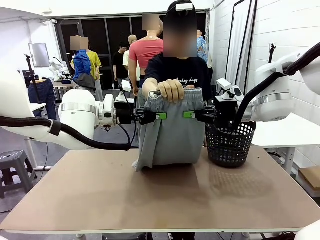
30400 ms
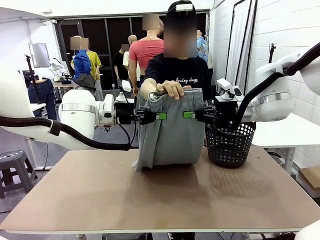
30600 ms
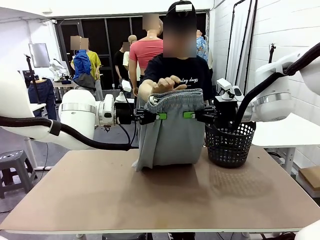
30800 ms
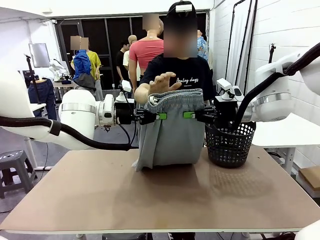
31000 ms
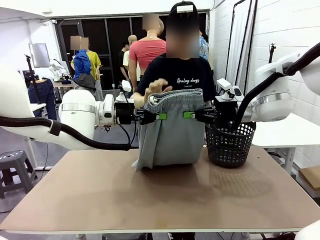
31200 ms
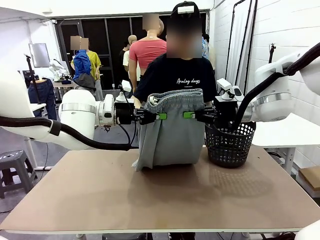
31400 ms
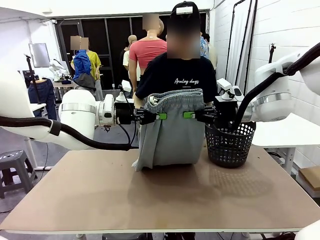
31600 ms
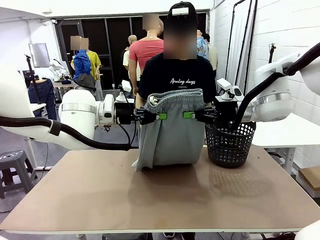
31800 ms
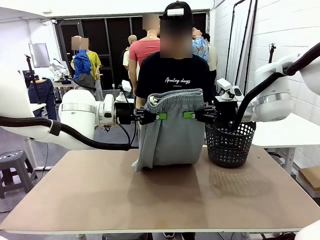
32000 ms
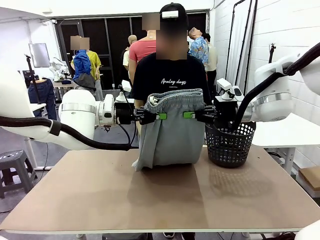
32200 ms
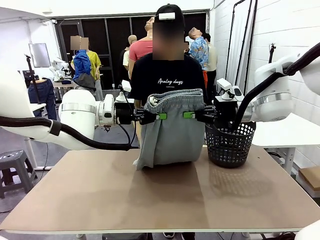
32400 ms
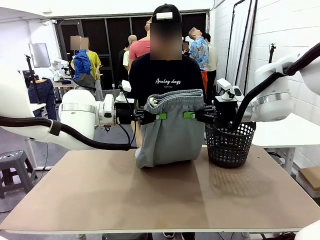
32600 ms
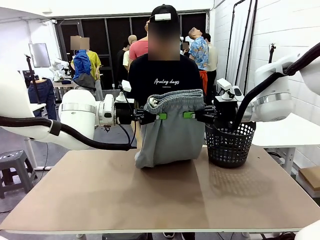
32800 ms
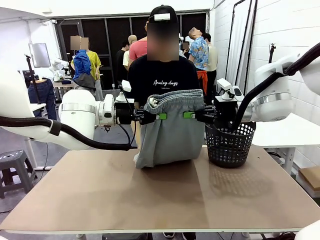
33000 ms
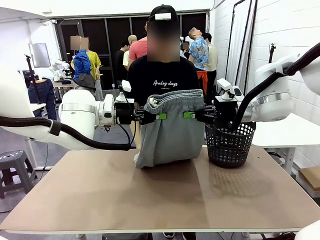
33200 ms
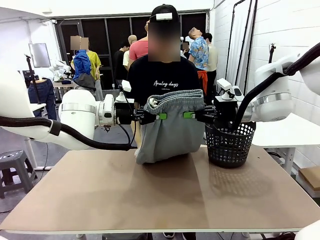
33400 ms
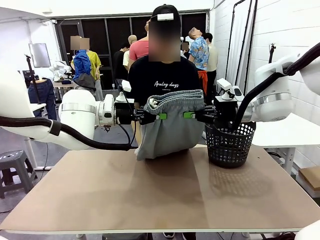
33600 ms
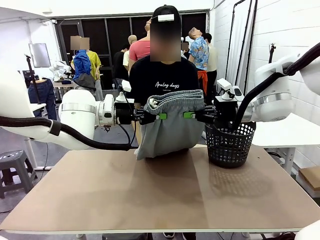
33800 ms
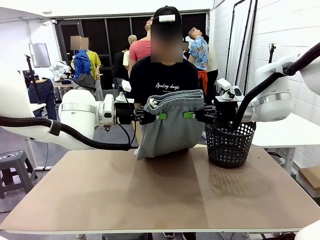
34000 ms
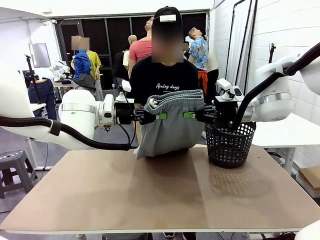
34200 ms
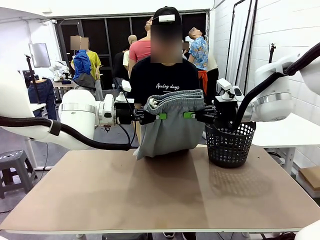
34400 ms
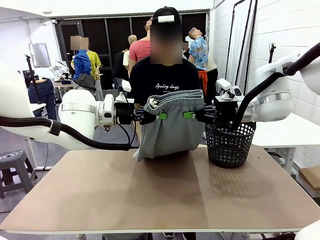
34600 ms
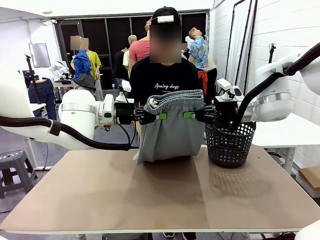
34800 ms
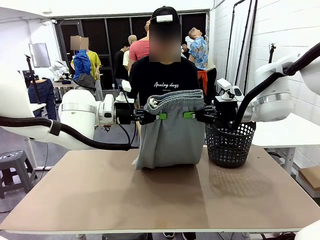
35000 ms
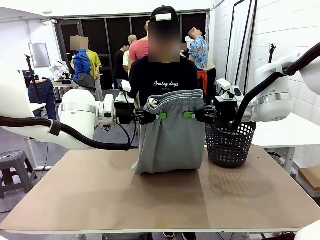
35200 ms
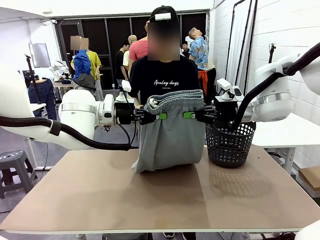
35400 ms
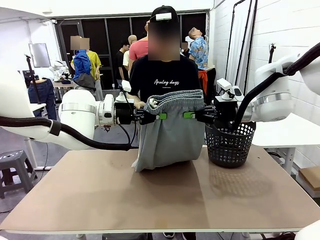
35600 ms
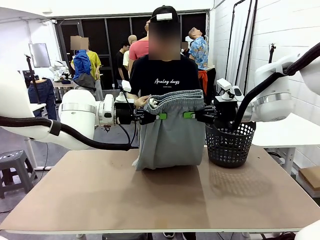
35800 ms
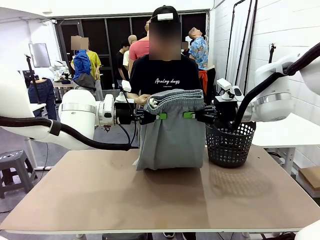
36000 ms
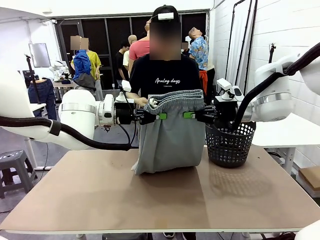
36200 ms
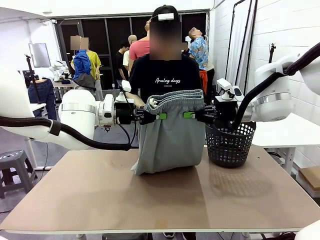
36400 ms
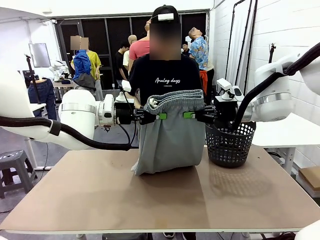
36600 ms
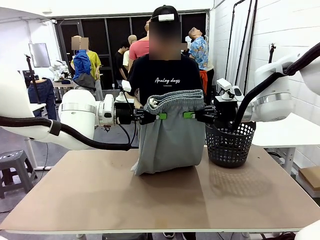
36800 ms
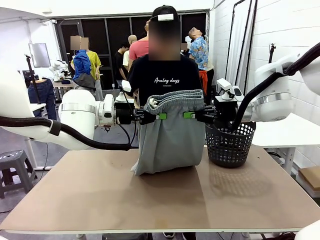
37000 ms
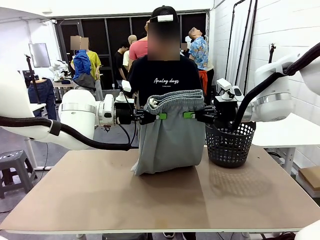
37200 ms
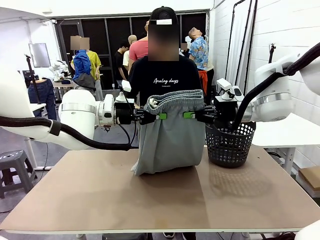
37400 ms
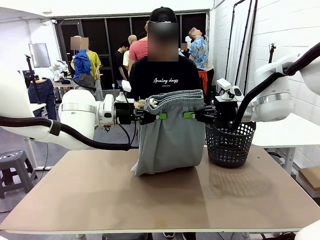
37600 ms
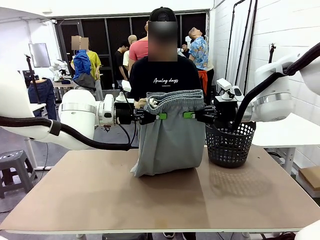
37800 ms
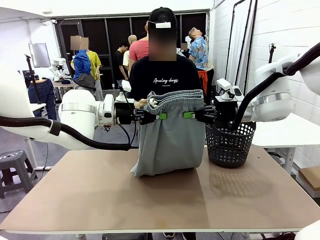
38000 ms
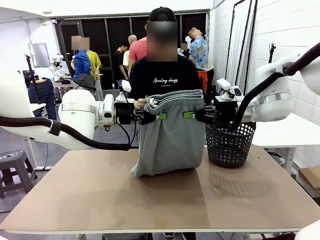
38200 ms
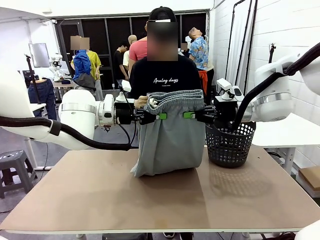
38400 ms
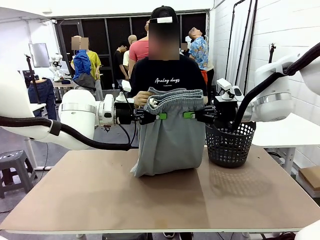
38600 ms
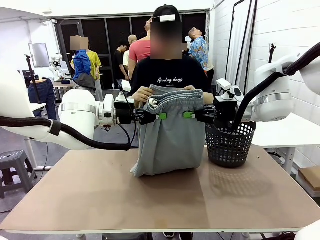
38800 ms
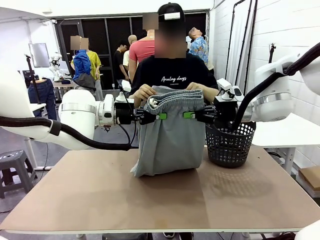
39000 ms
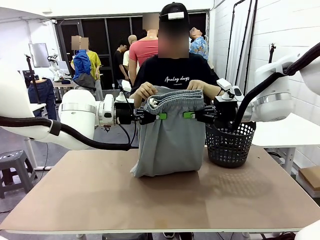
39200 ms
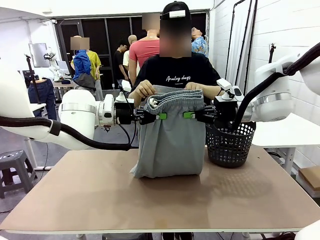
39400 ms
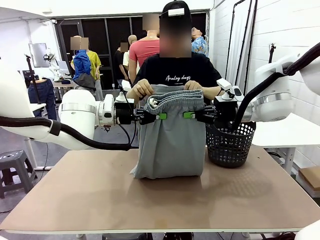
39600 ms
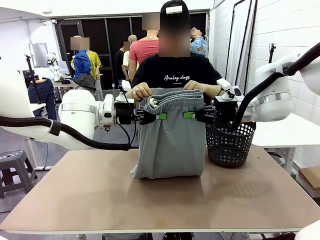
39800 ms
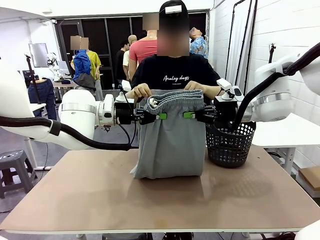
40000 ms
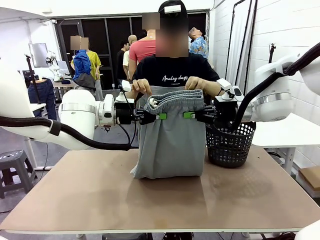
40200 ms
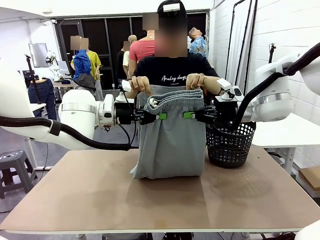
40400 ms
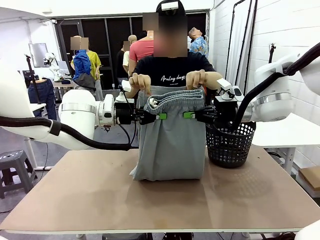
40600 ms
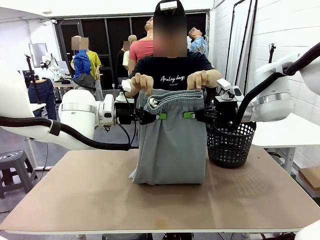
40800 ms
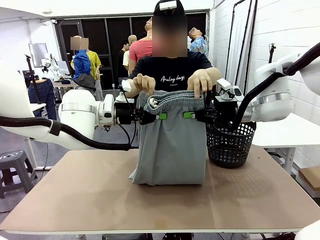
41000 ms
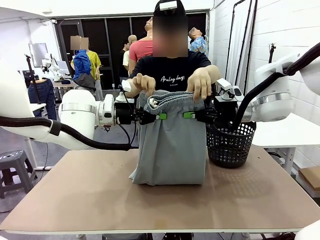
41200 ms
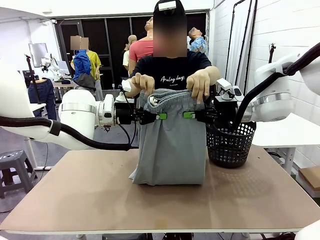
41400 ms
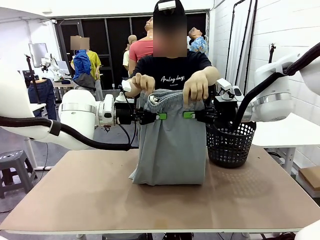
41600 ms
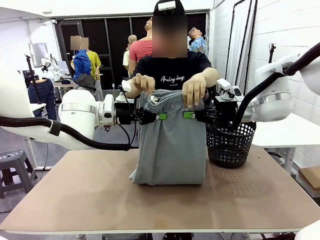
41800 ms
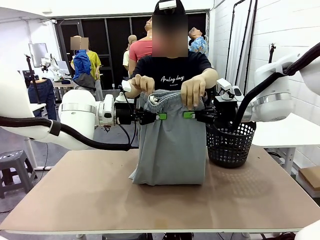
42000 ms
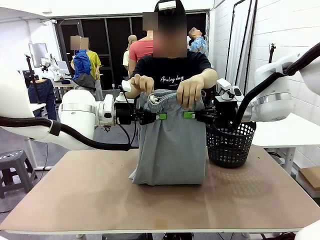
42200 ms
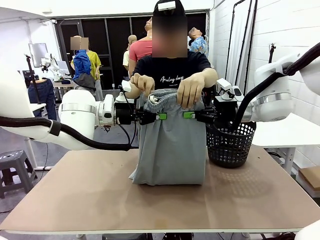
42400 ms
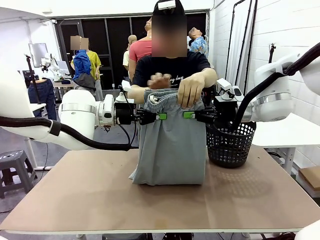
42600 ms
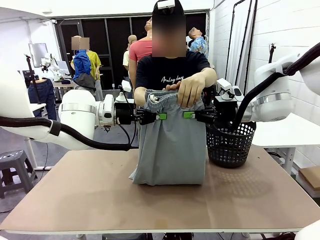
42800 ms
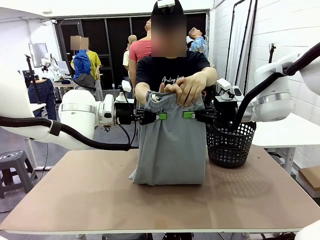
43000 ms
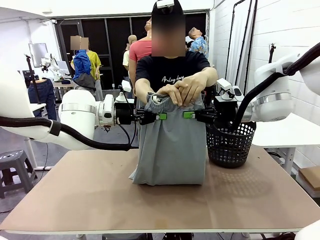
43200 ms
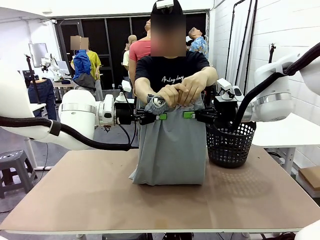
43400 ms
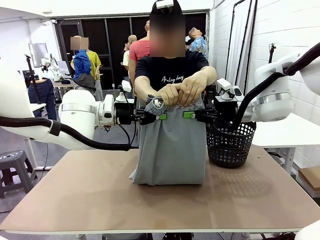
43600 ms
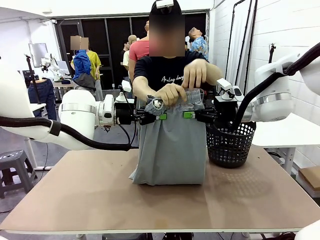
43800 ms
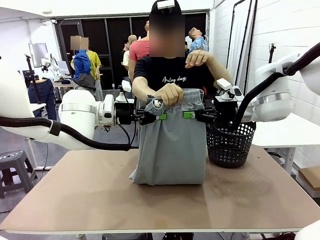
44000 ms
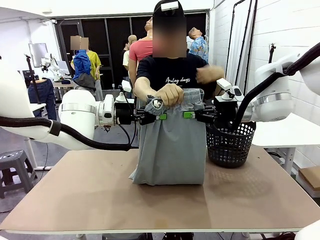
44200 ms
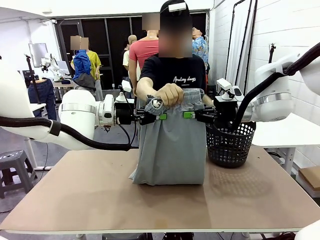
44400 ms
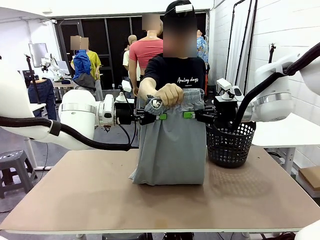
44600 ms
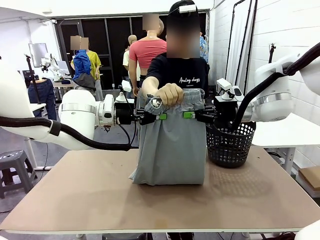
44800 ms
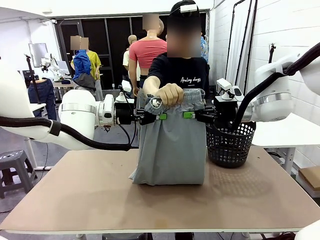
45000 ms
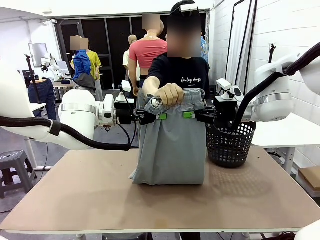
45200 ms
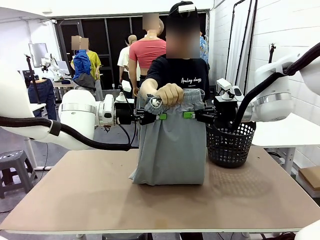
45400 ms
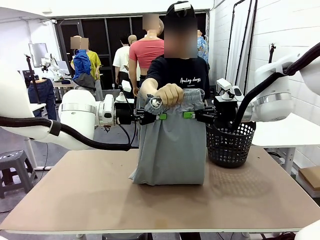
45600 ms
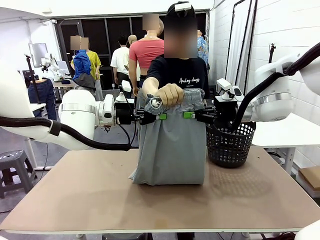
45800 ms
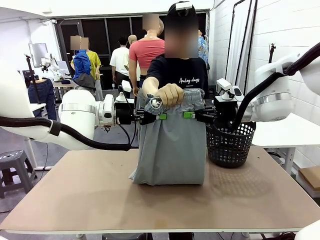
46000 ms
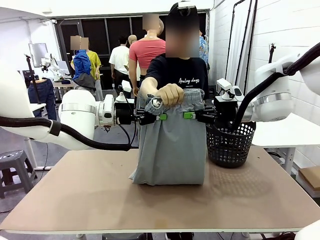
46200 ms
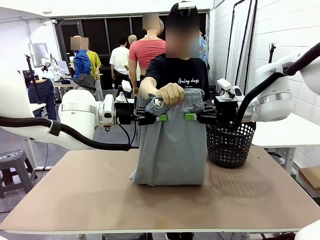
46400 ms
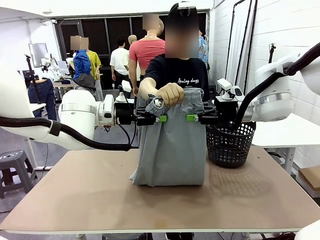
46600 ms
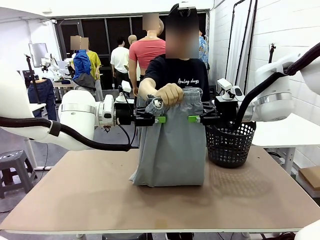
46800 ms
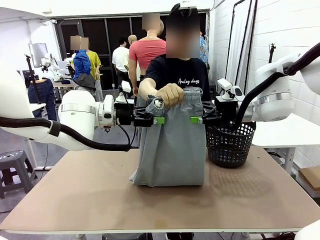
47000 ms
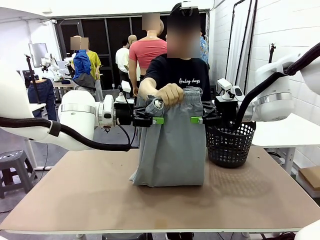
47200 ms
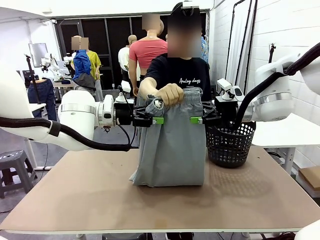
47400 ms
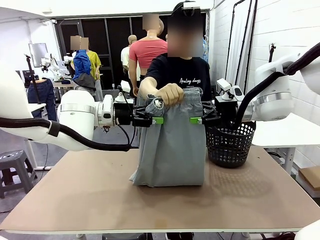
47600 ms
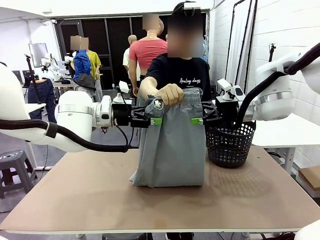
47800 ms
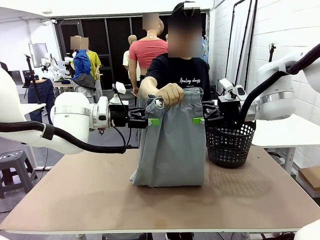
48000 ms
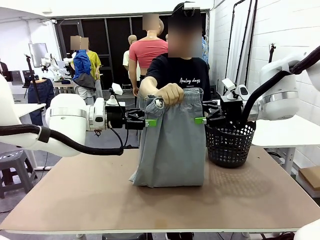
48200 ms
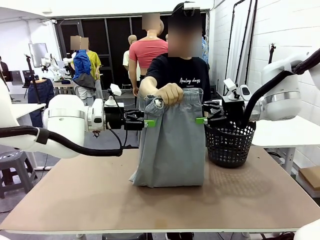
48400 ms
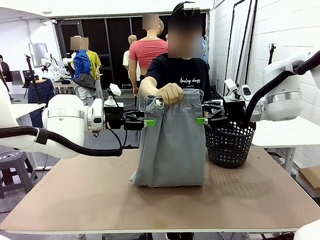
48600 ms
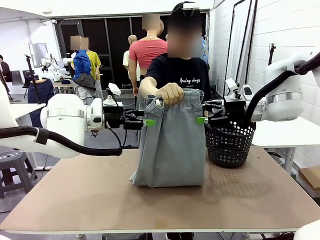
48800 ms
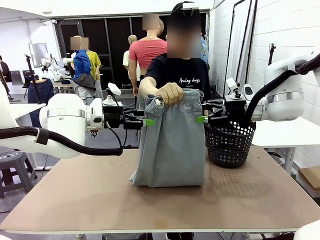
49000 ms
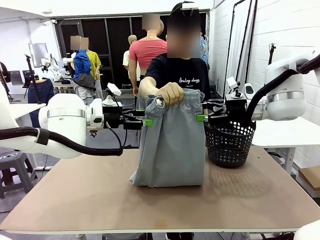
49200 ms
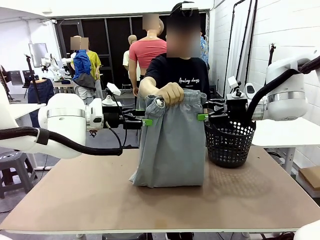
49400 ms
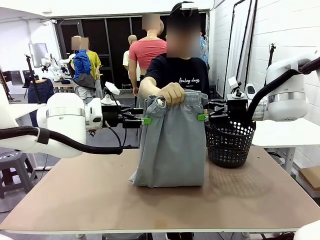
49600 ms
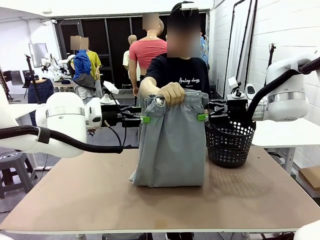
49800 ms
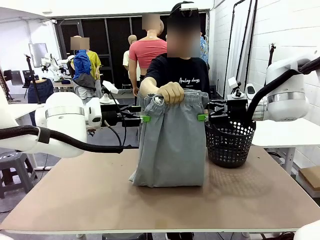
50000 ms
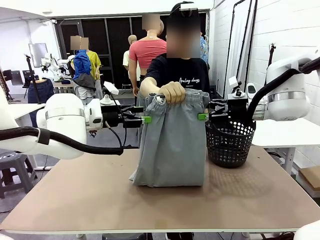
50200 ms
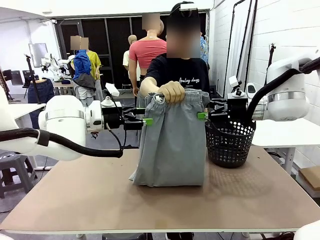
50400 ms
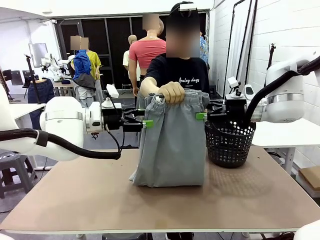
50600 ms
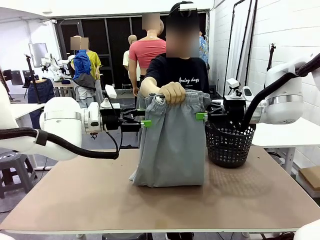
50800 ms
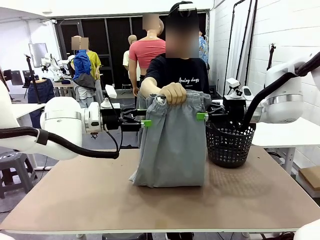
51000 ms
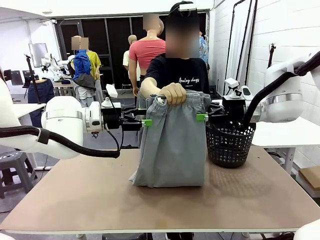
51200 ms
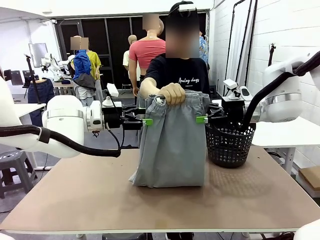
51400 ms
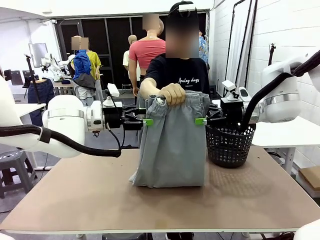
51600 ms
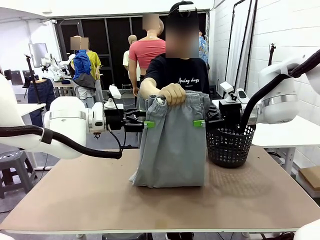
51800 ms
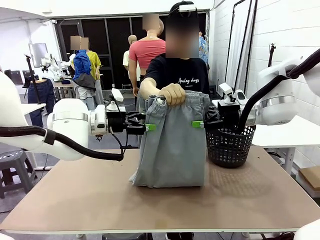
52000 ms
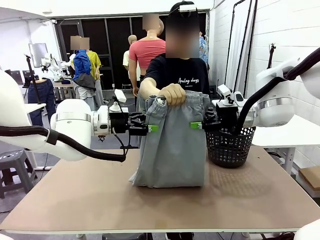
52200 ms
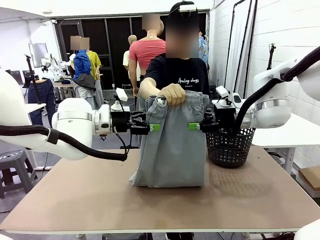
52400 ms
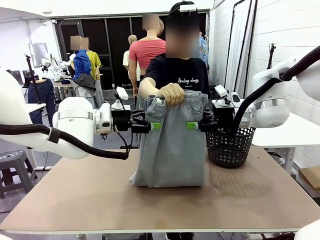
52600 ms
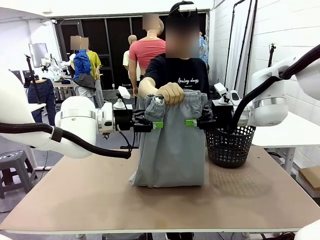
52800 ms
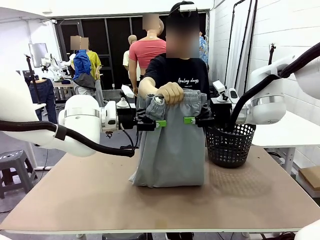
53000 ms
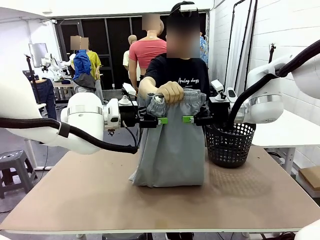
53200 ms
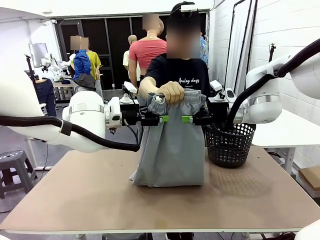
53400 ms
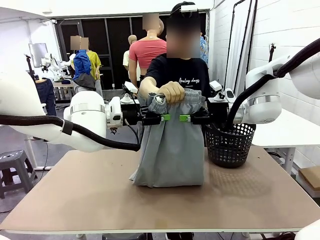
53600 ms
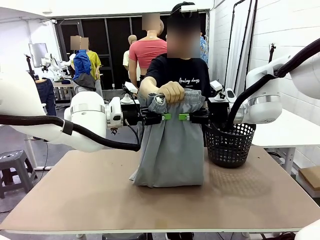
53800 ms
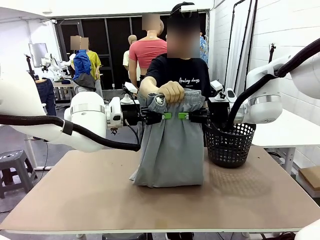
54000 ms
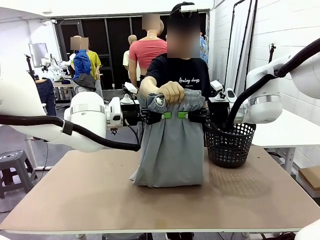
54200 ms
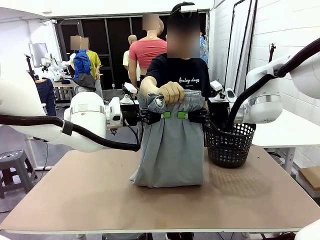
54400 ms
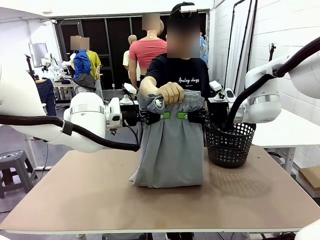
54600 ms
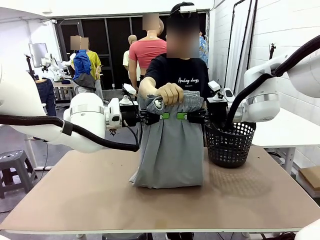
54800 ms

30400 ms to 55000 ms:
Task: Fold the training pants.
Robot: Release the ends of the Training pants and then grab the overlapped ends.
Person: Grasp the end opposite the point the robot is holding, fold the pants in half, and then grasp the overlapping top end of the folded pants. Release the pants you were holding.
